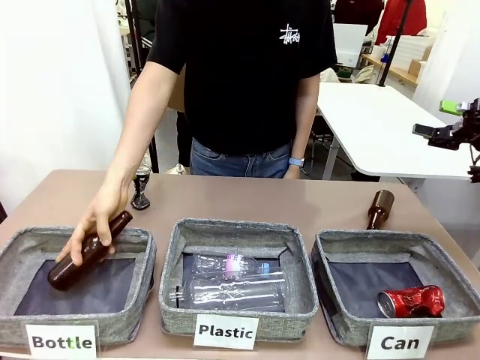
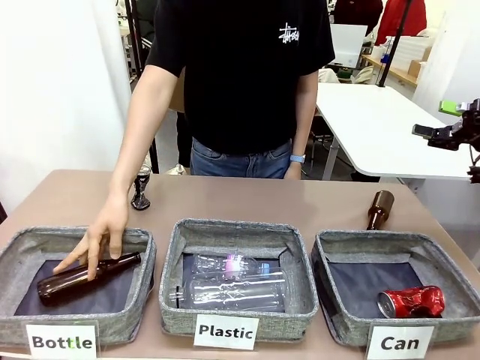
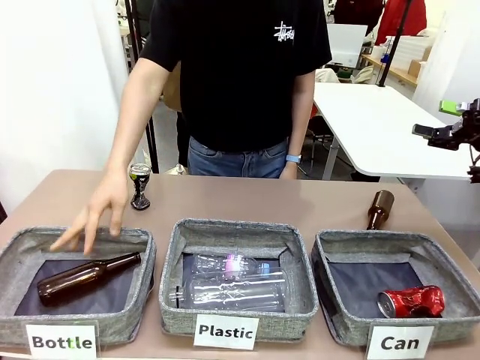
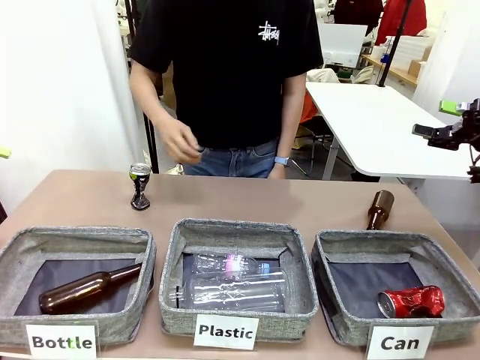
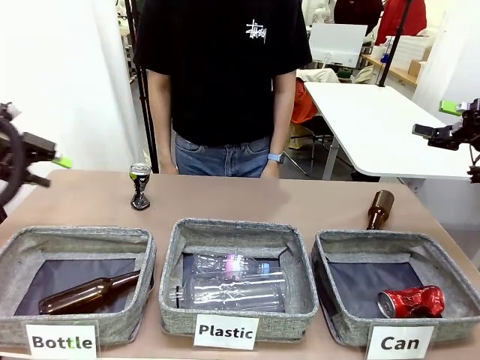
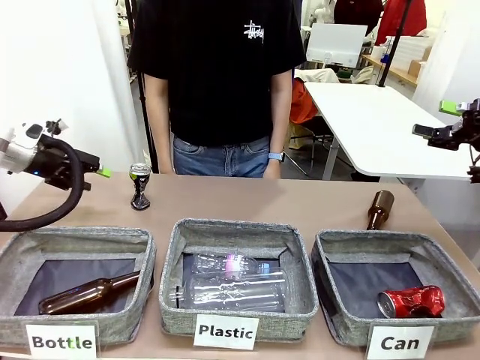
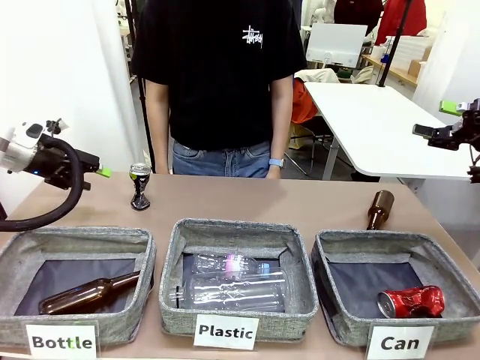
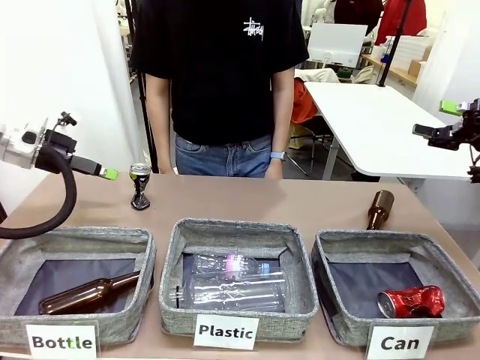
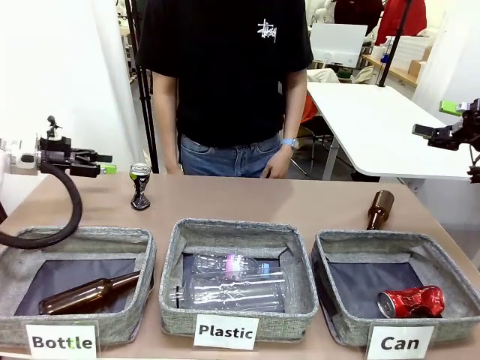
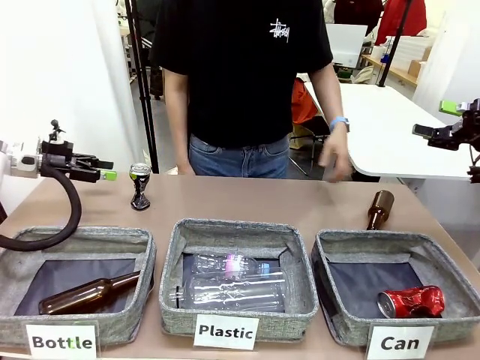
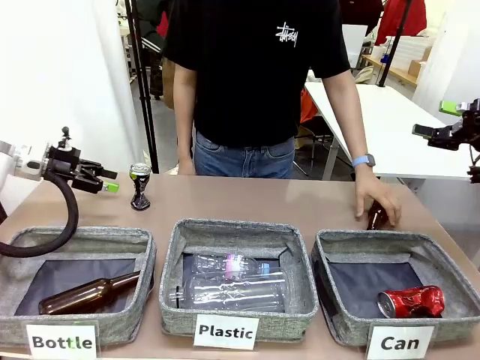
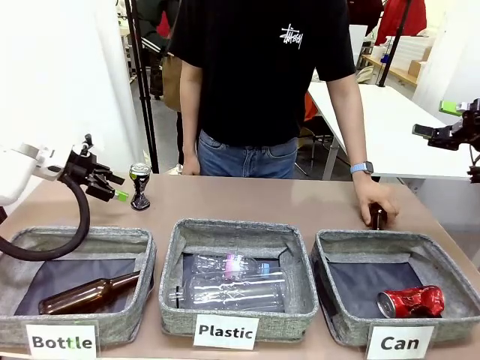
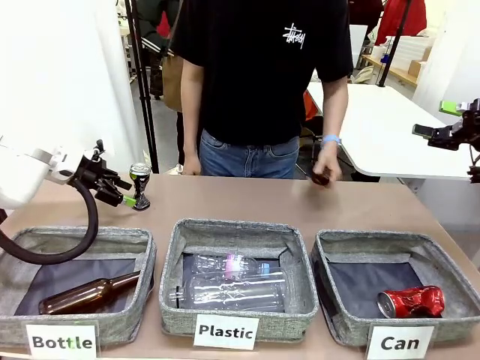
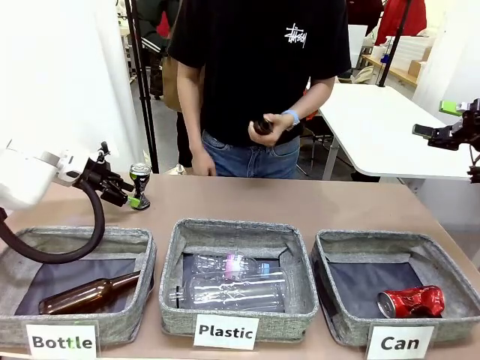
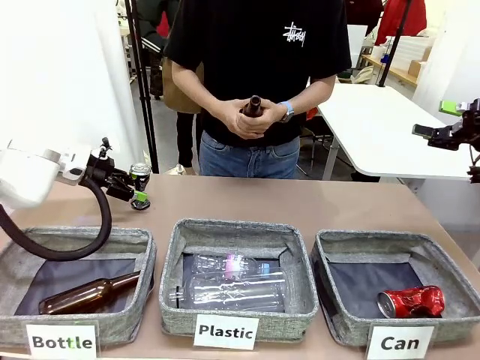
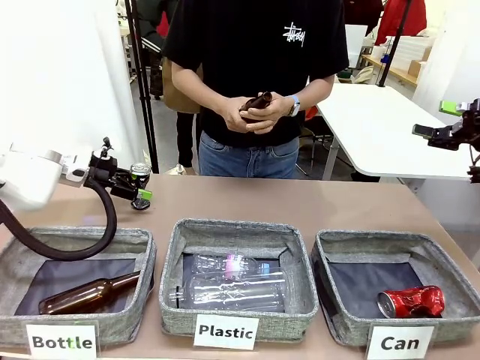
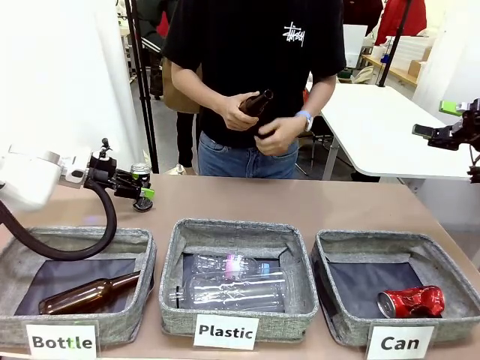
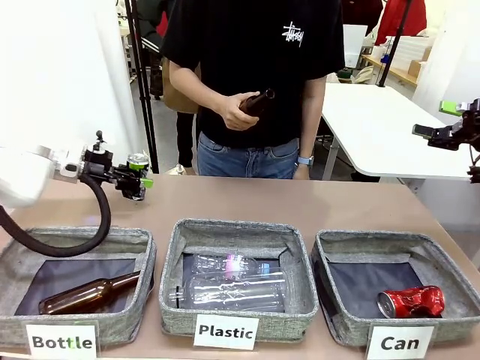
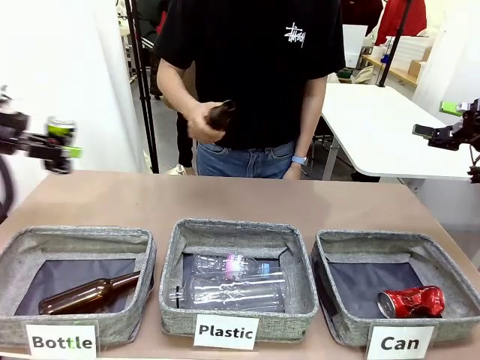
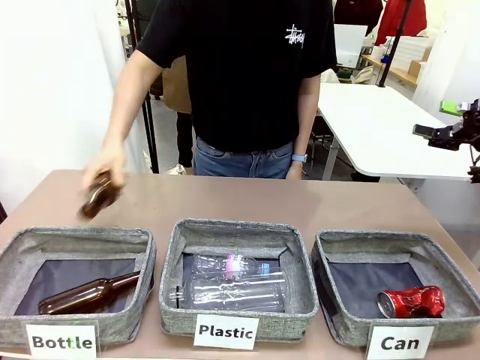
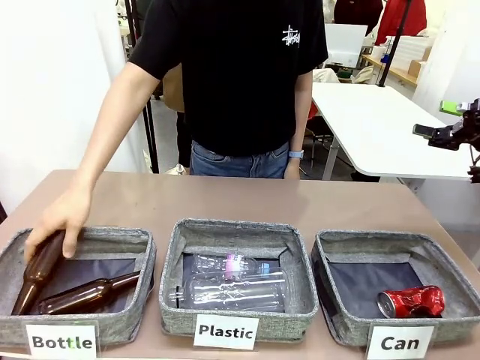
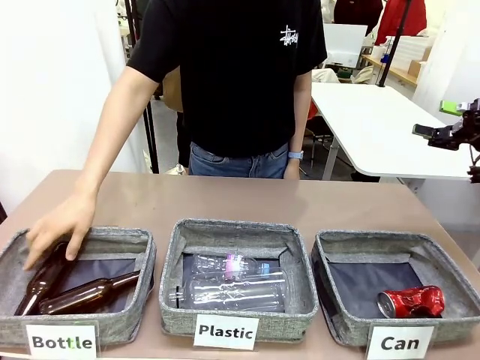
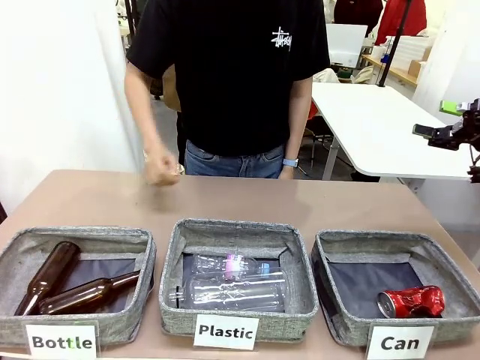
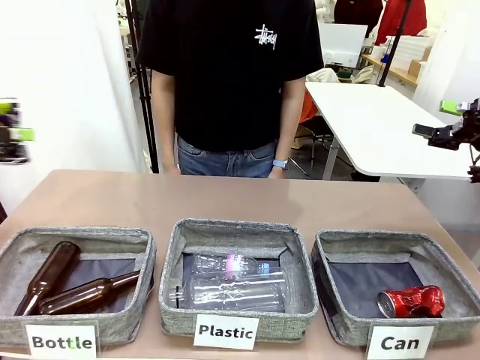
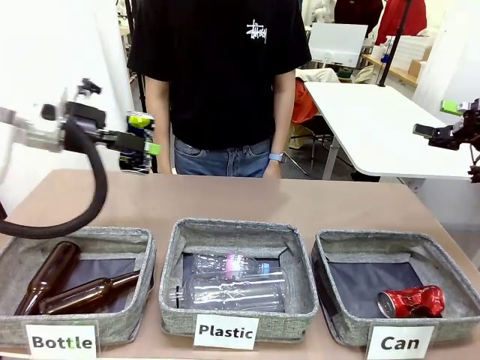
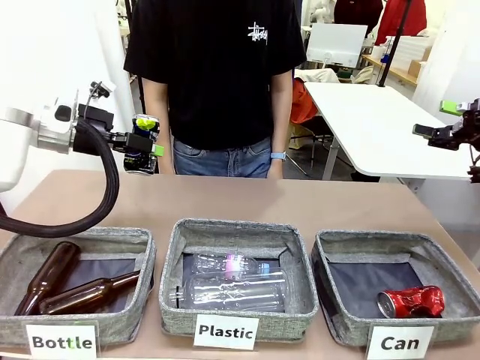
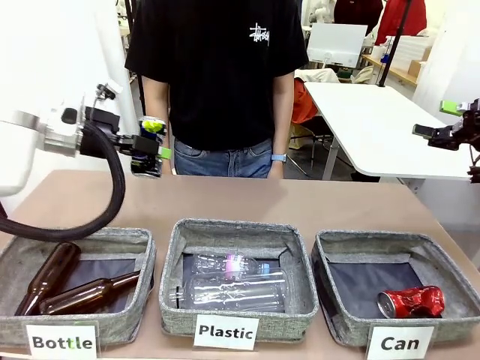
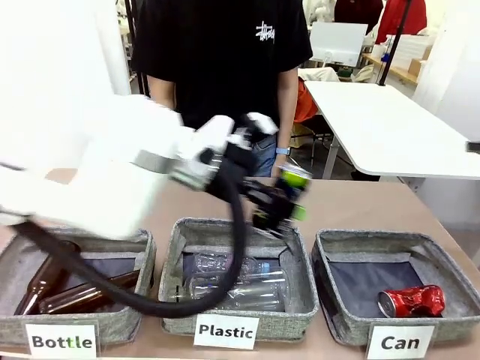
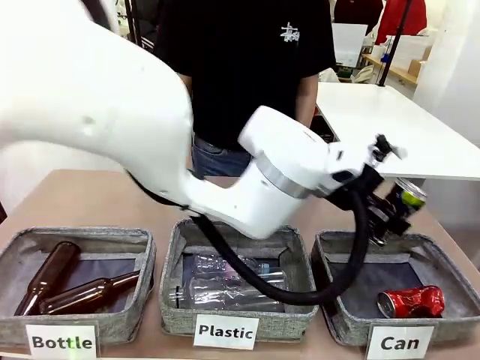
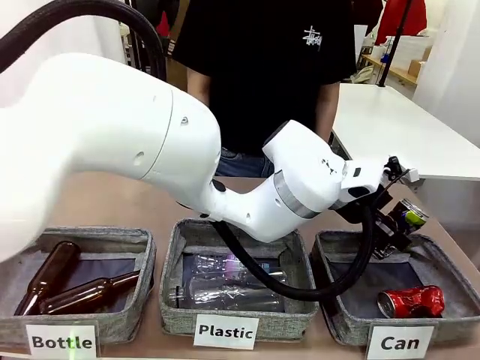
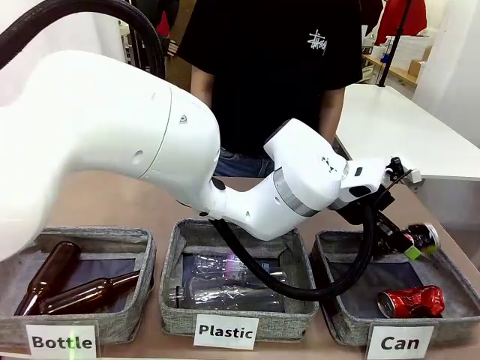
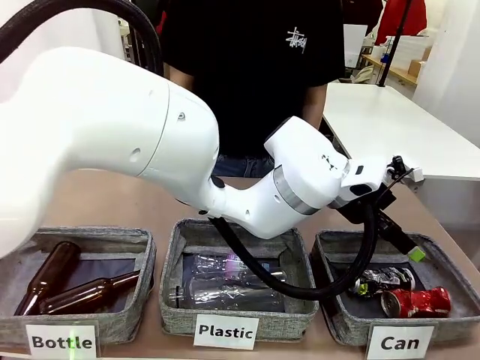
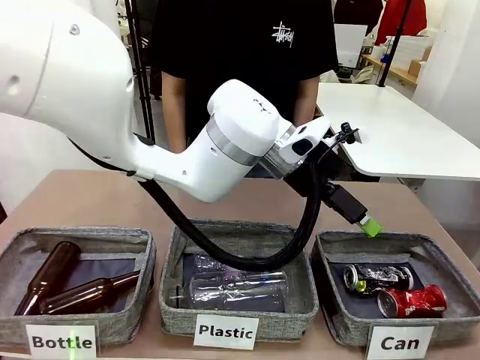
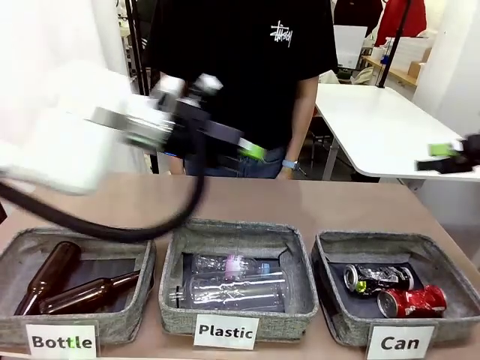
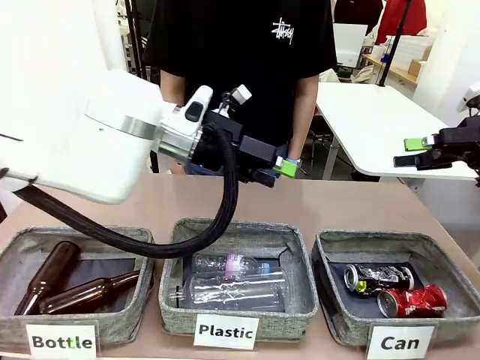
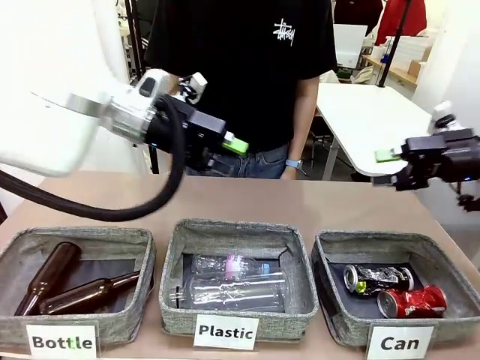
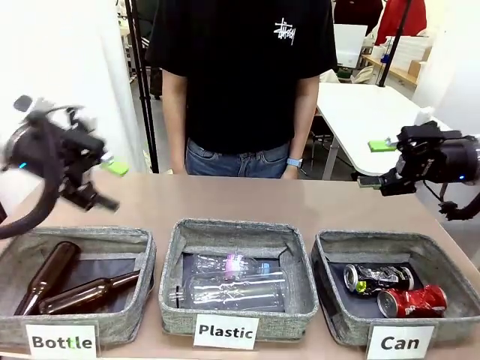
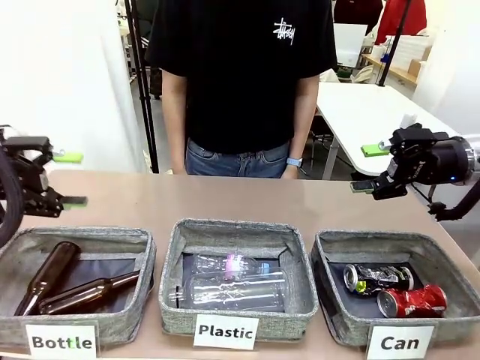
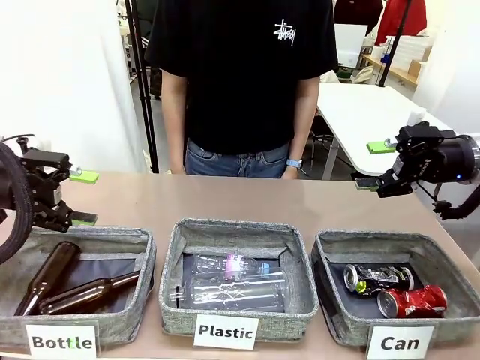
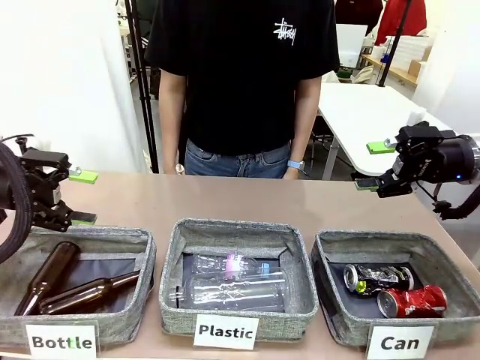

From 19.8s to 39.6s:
Task: Sort the can waste into the basket.
Robot: Pick up the can waste from the table and place it in the right Fabric basket.

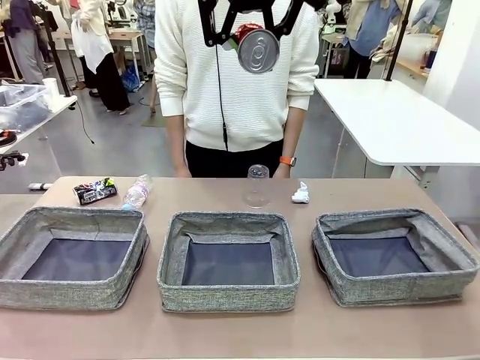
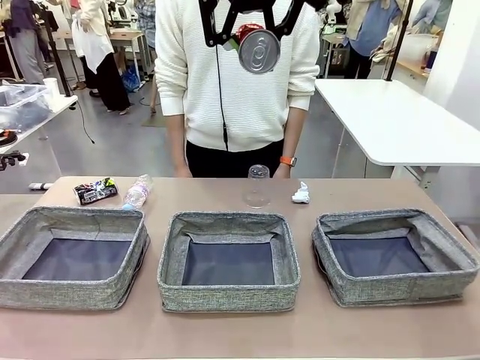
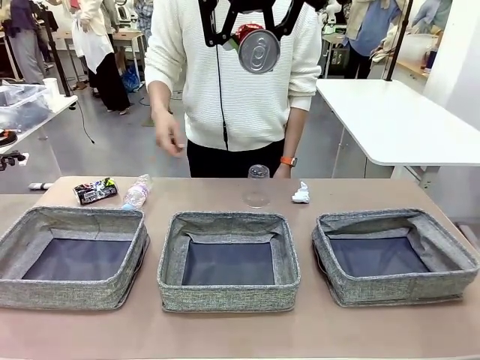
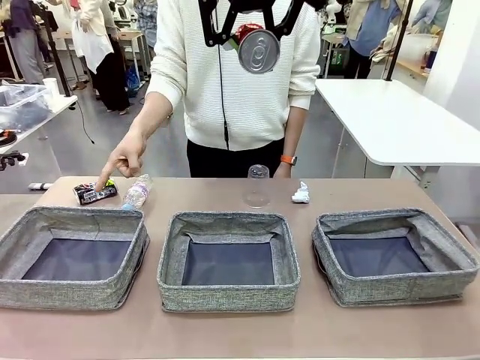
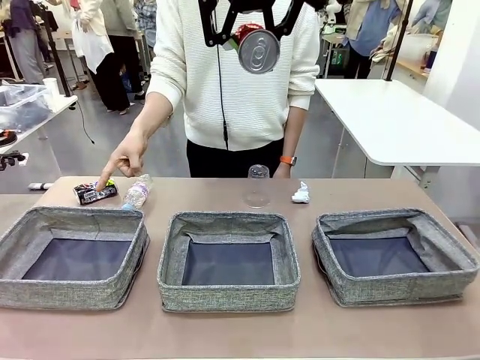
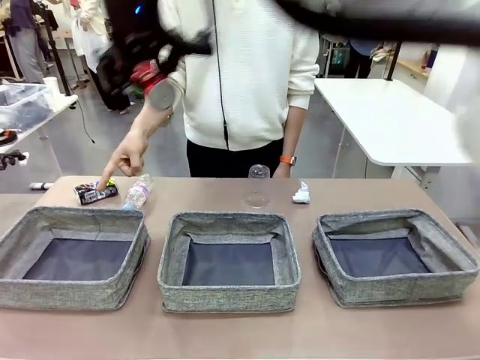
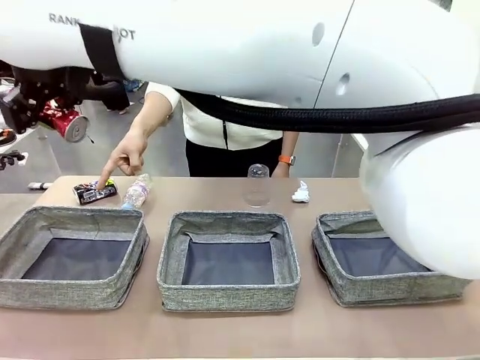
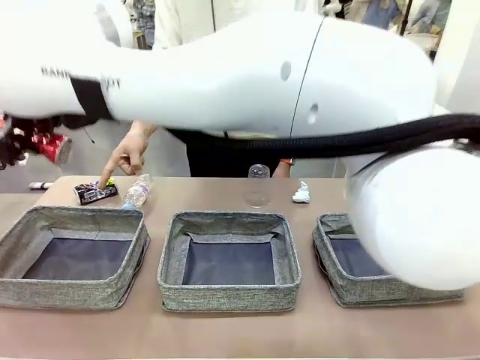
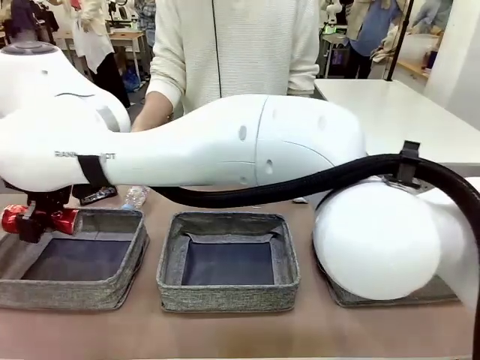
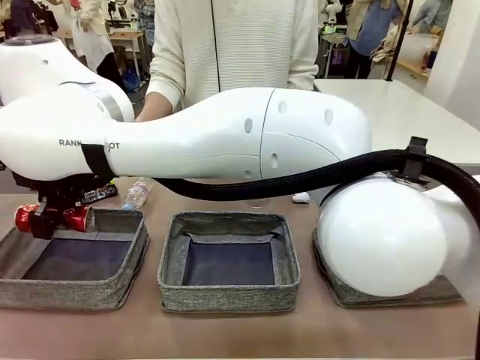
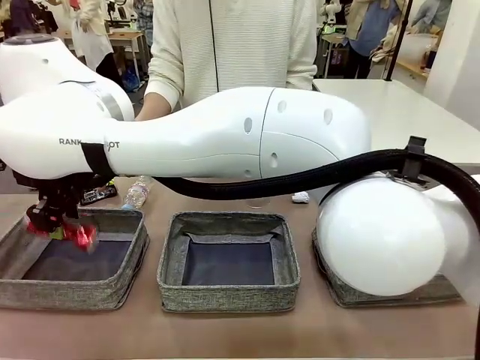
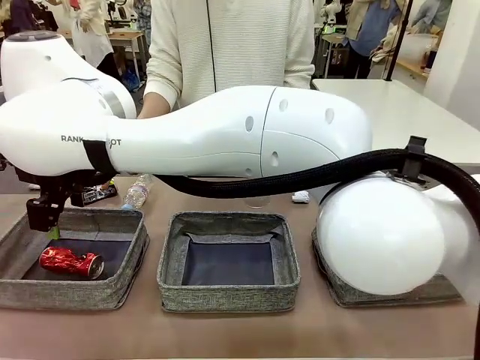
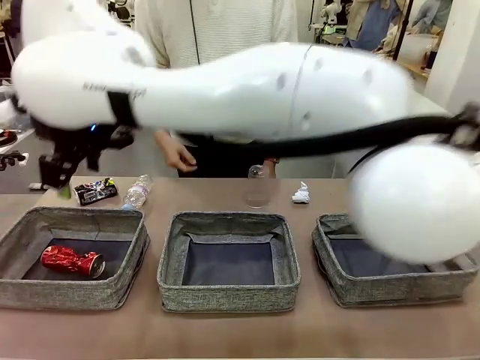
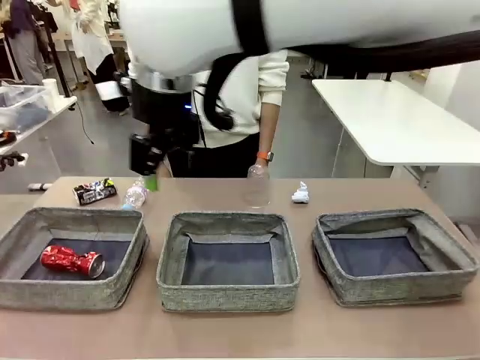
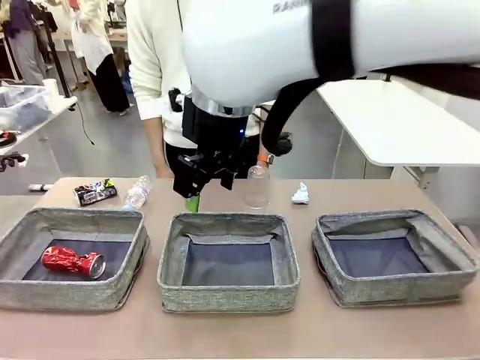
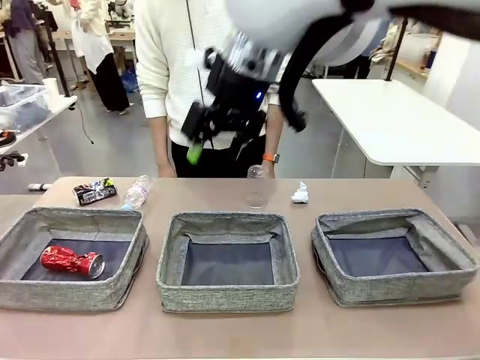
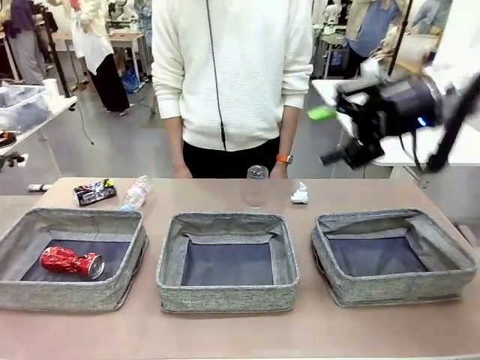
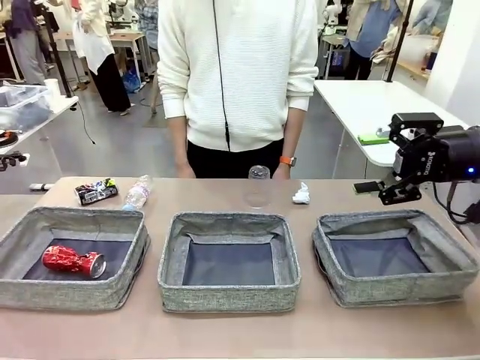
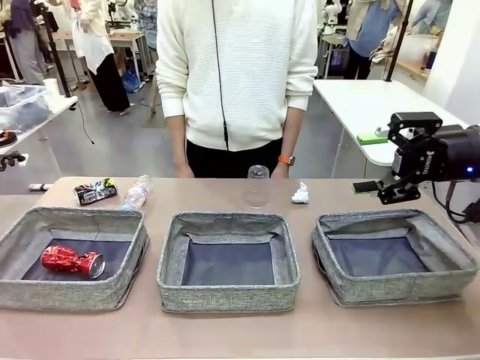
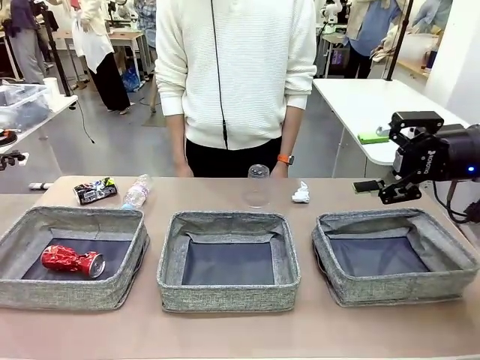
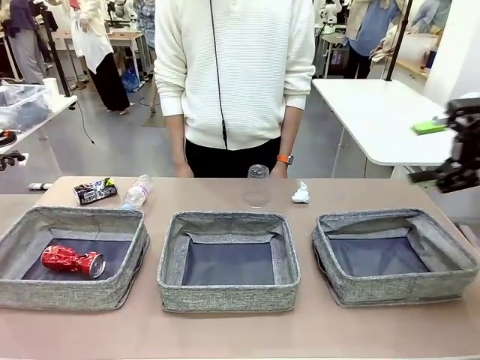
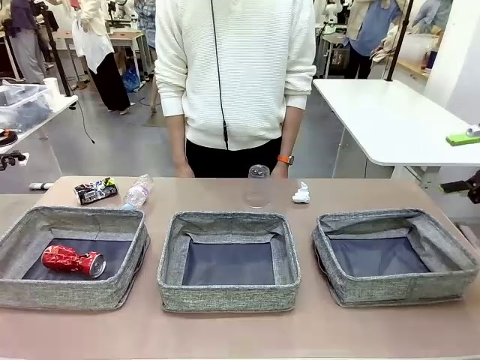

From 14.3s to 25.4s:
Task: Sort the waste into the appropriate baskets.
Robot: Place the picked waste into the Fabric basket indicated by the person.
Person: Instructs the robot to place the picked-up trash into the appropriate organizing basket.
